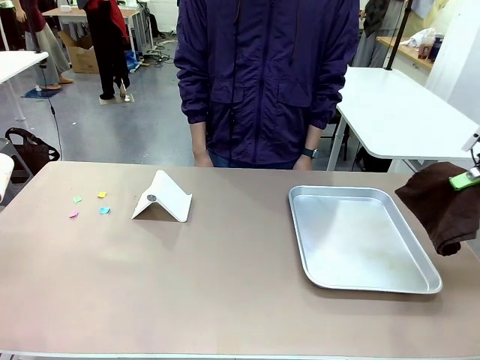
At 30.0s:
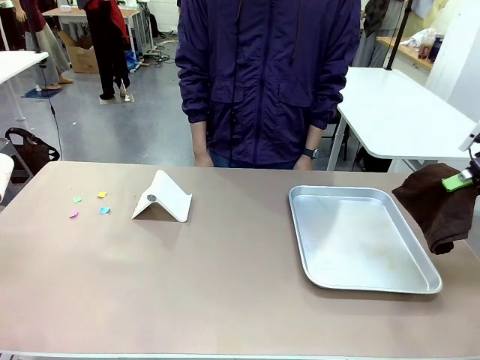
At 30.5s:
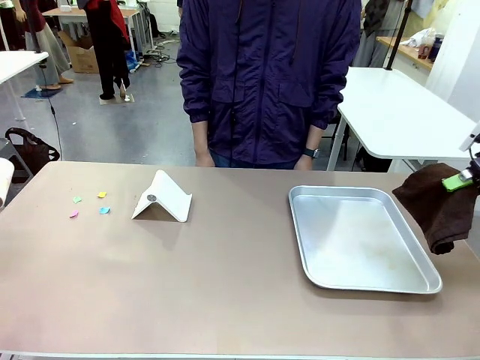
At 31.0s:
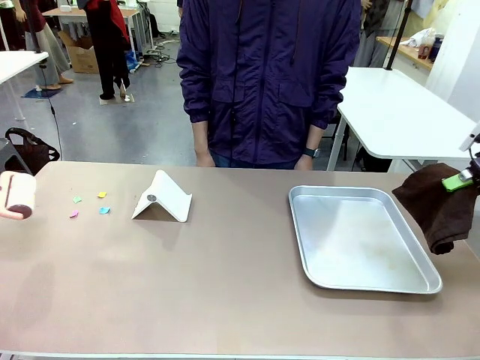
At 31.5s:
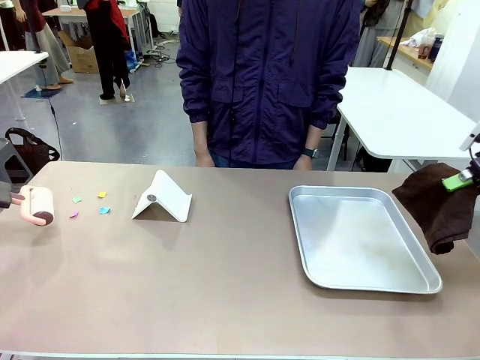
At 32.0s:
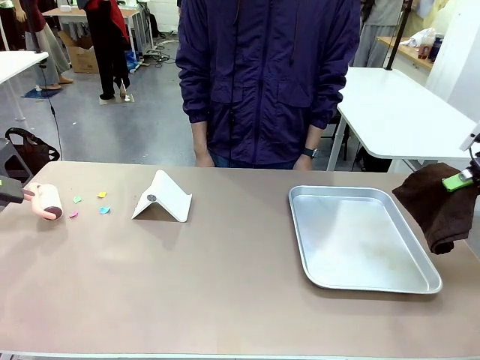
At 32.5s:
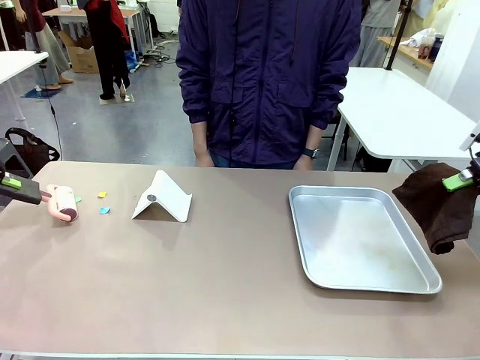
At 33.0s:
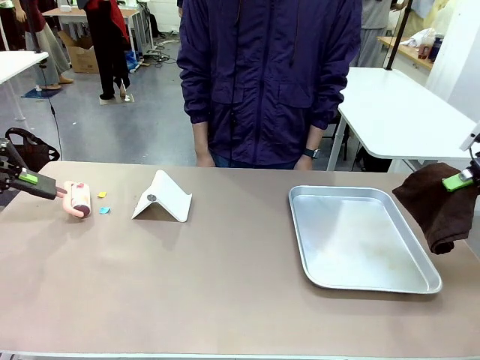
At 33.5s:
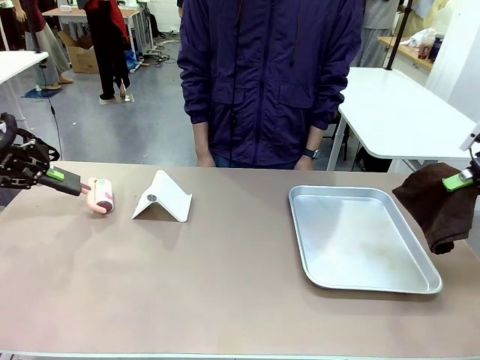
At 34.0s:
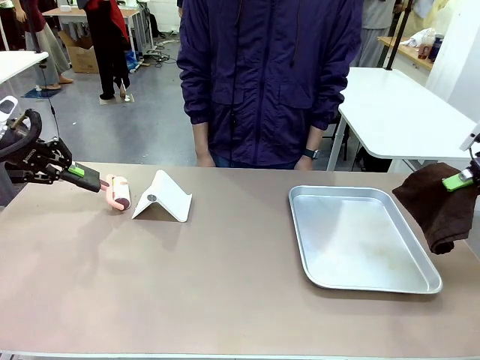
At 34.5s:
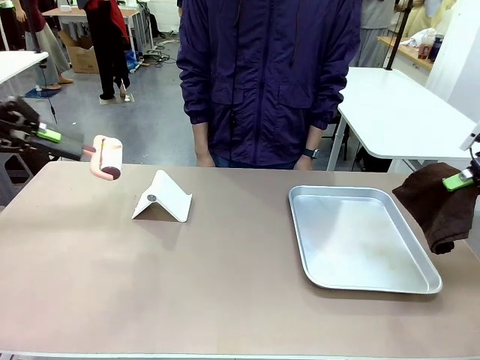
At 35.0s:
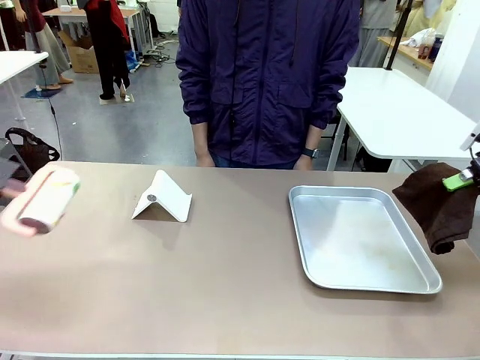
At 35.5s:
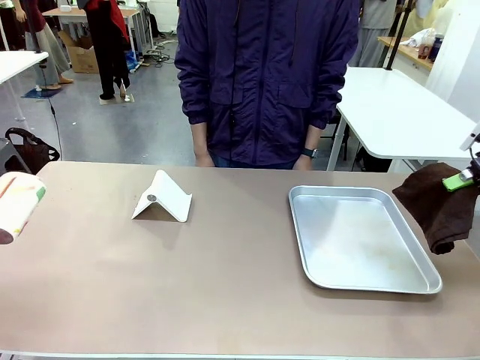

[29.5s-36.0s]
Task: Clean the surface of the table.
Robot: Clean the area not pointed to by the person.

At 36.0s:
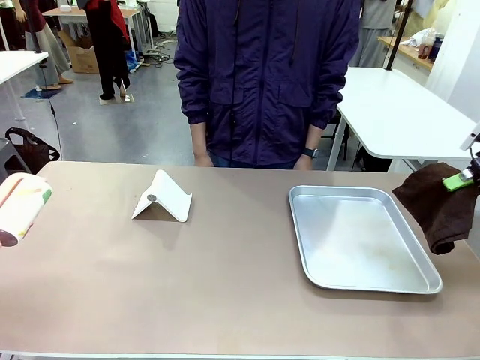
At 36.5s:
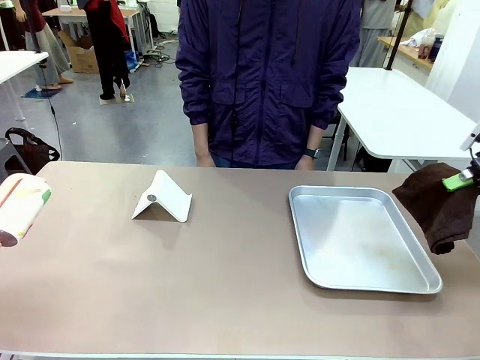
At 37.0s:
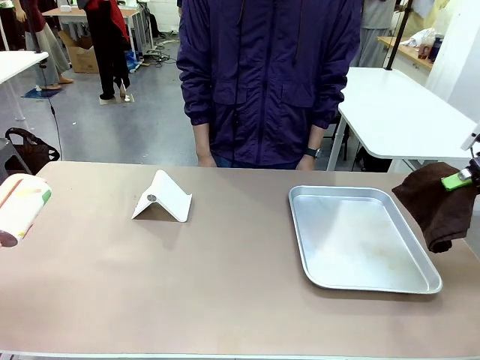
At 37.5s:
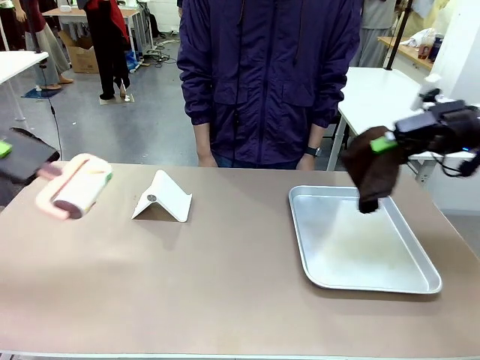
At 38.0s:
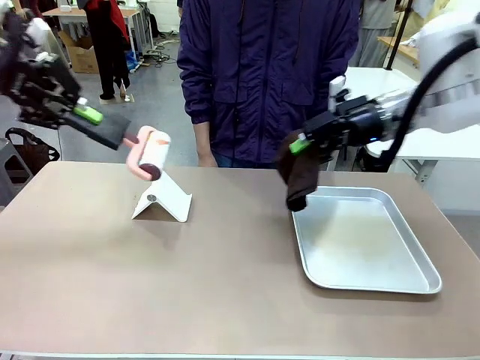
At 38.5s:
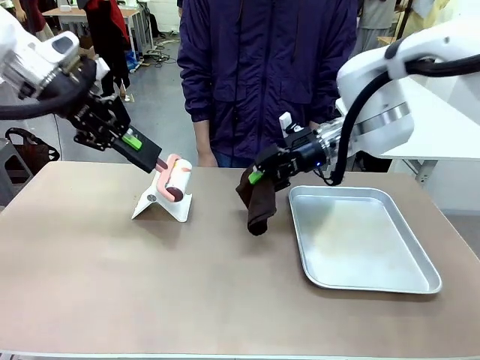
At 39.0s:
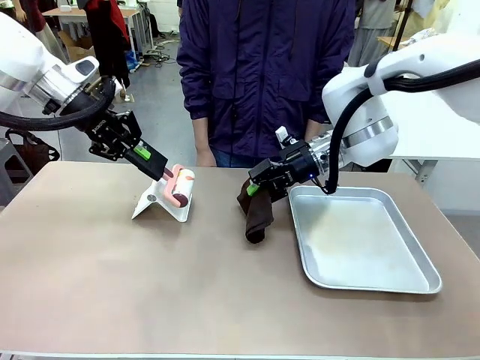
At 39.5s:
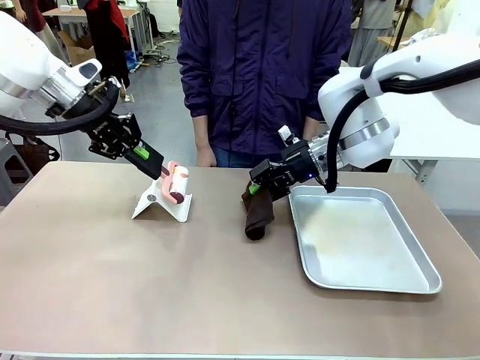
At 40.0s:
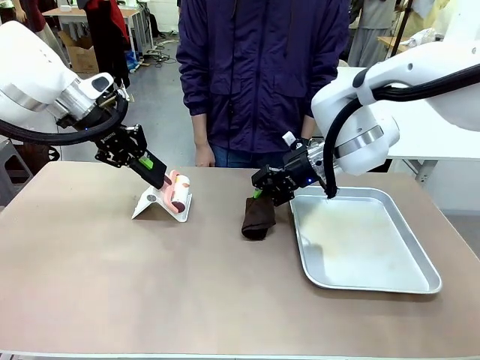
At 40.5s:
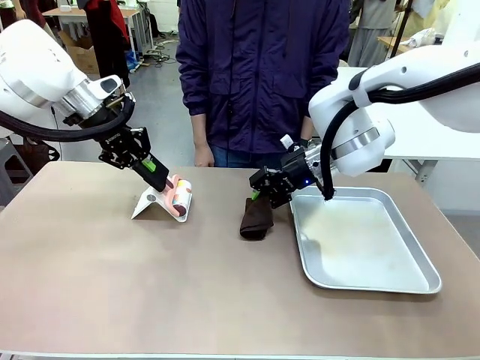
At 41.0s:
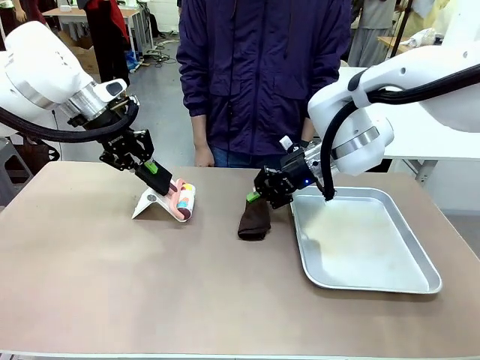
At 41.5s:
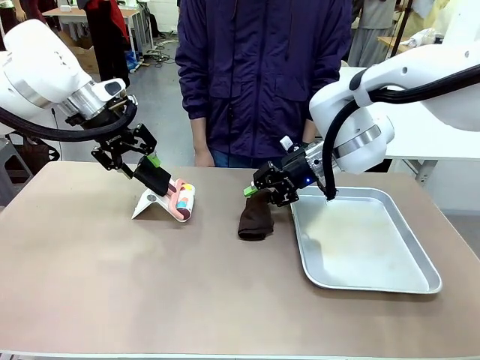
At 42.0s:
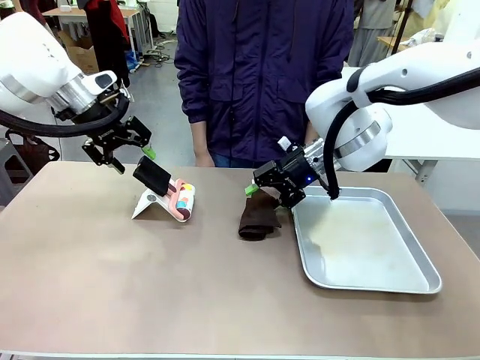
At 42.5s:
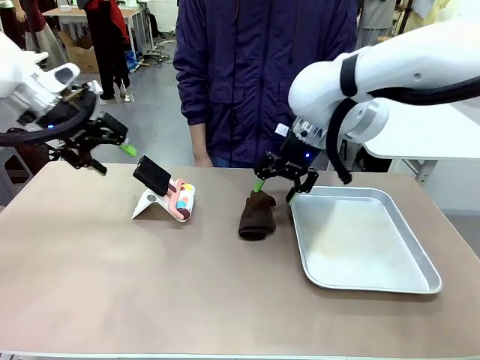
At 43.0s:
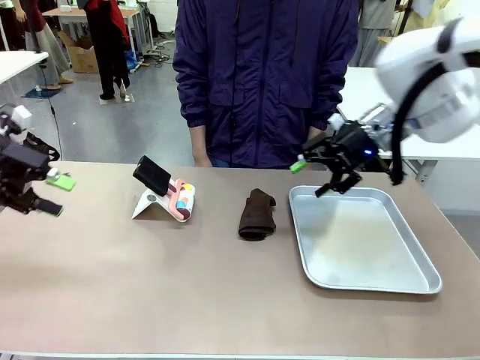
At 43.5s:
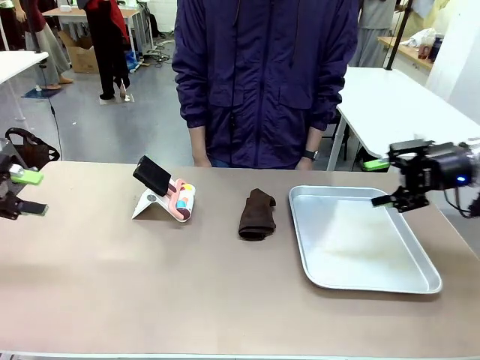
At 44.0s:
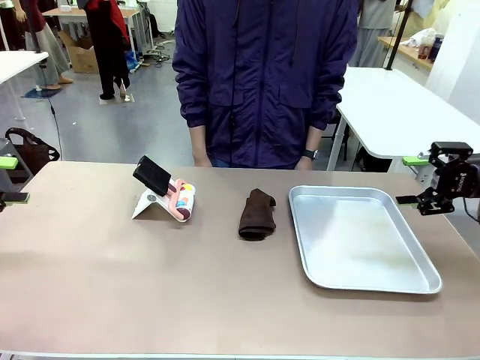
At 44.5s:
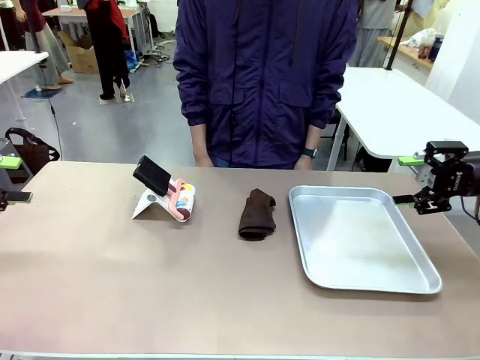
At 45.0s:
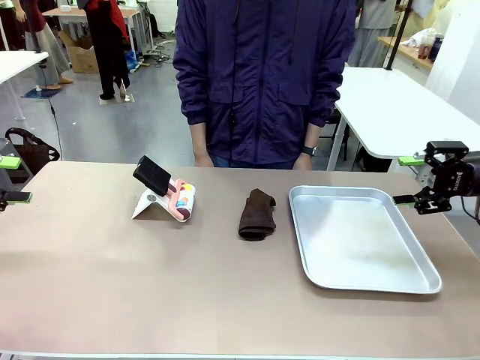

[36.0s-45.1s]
Robot: Return the Lint Roller and towel to their original positions.

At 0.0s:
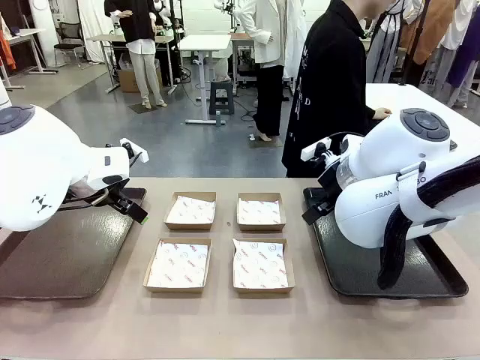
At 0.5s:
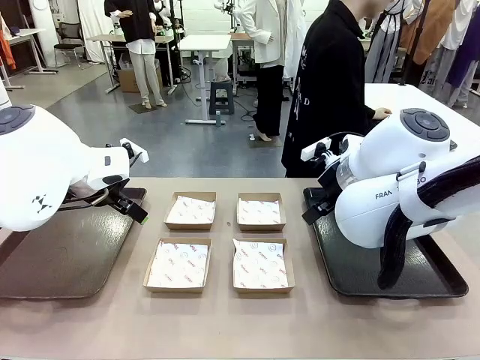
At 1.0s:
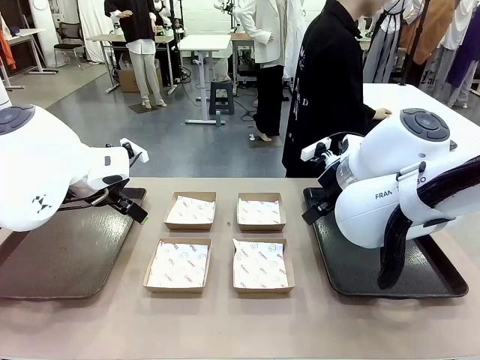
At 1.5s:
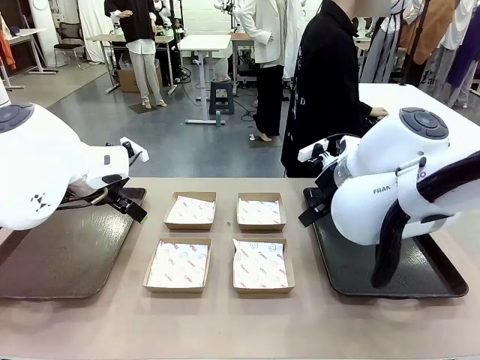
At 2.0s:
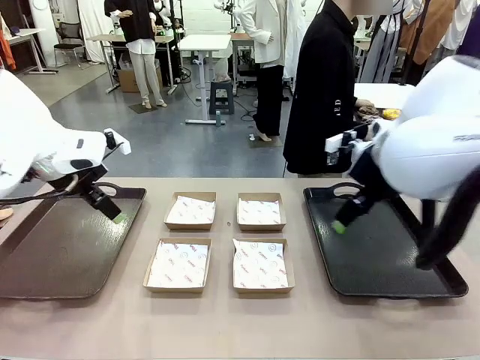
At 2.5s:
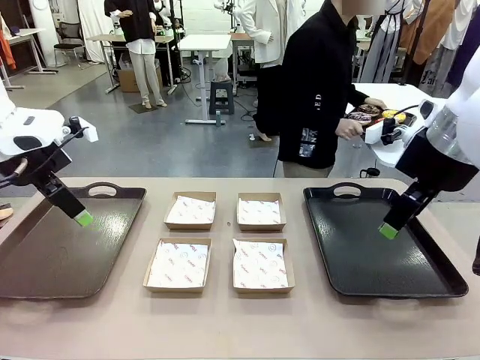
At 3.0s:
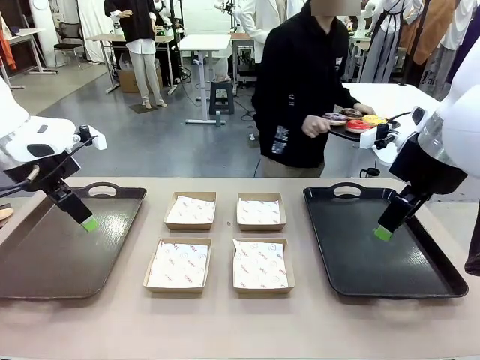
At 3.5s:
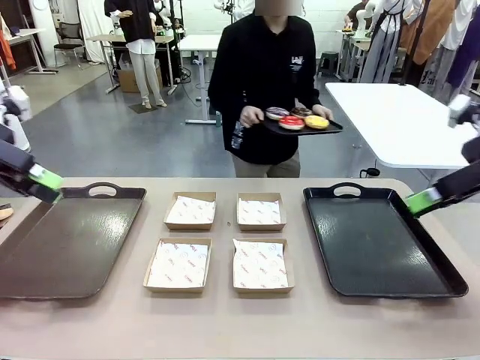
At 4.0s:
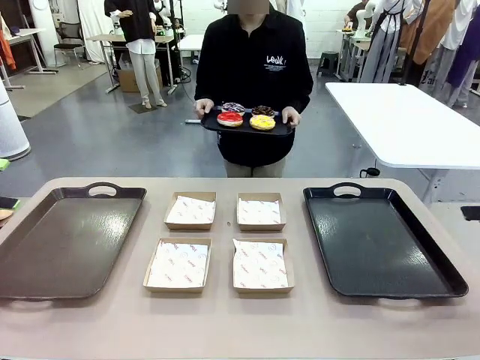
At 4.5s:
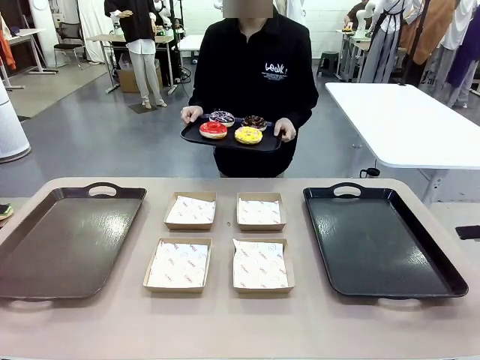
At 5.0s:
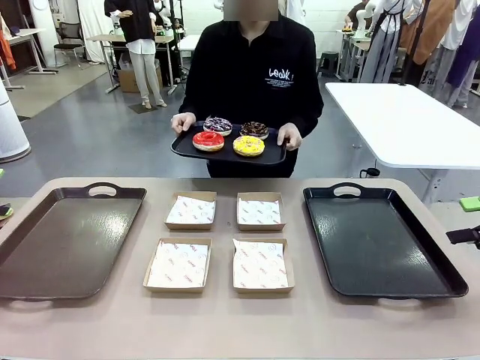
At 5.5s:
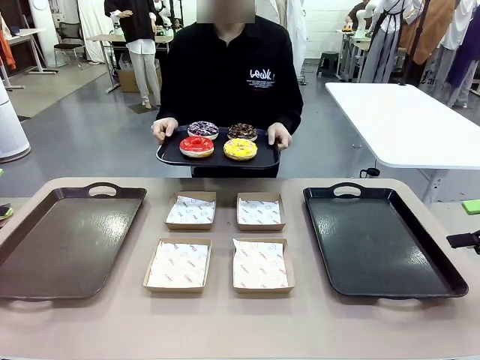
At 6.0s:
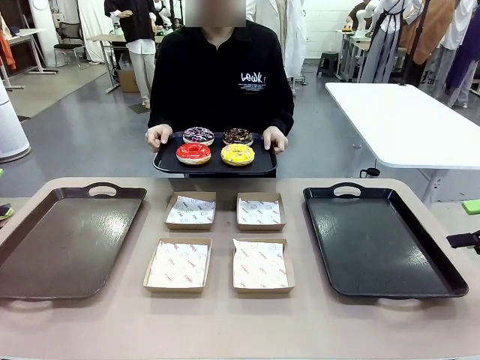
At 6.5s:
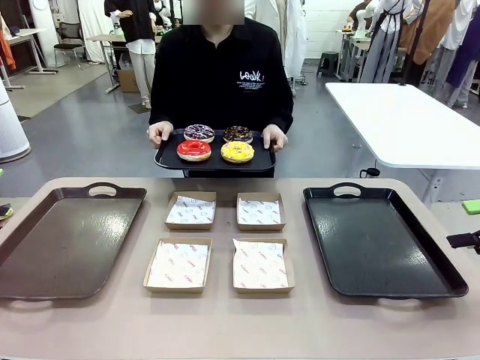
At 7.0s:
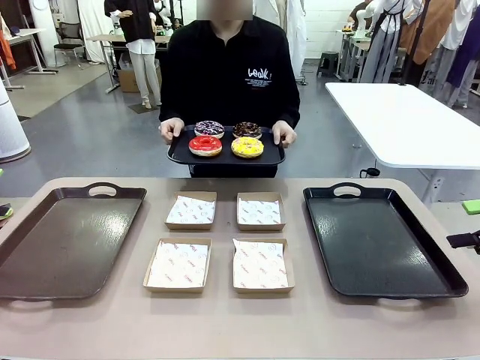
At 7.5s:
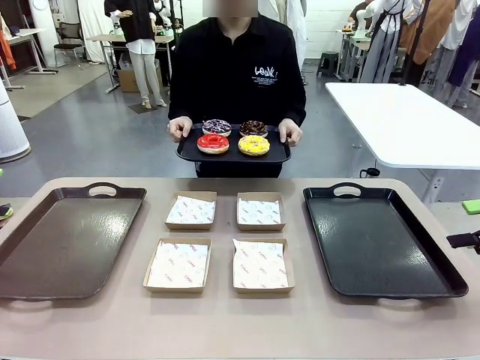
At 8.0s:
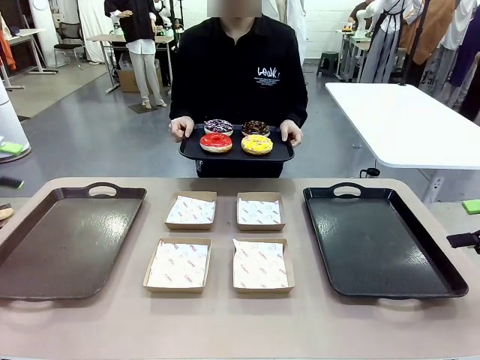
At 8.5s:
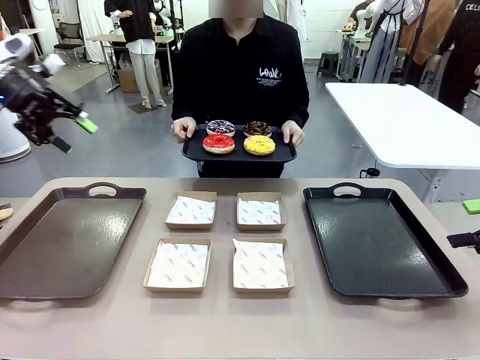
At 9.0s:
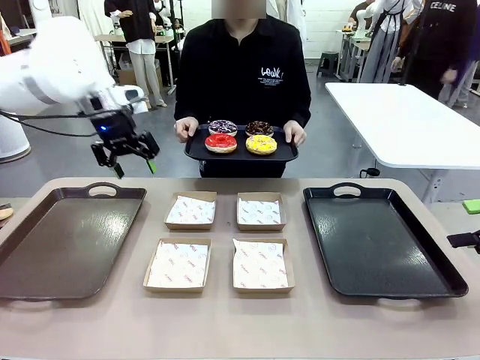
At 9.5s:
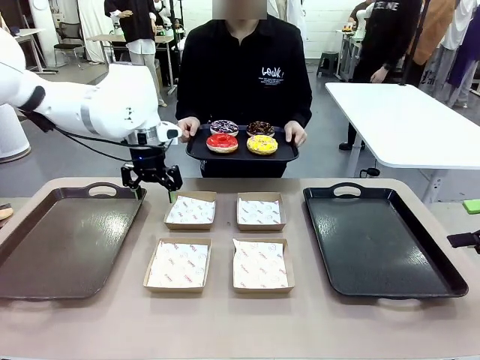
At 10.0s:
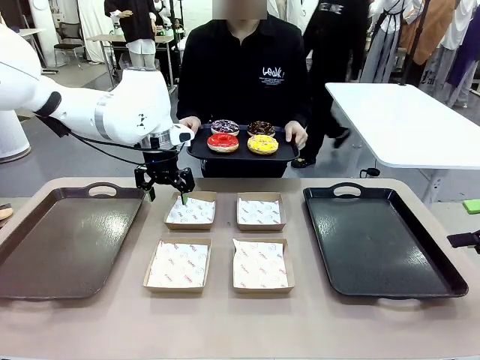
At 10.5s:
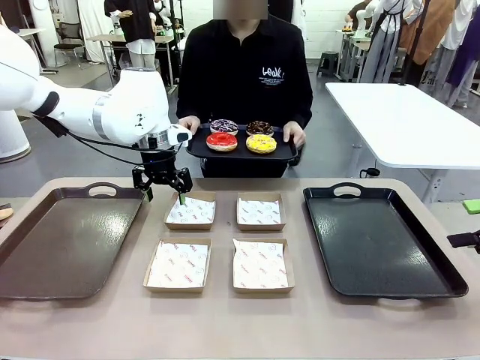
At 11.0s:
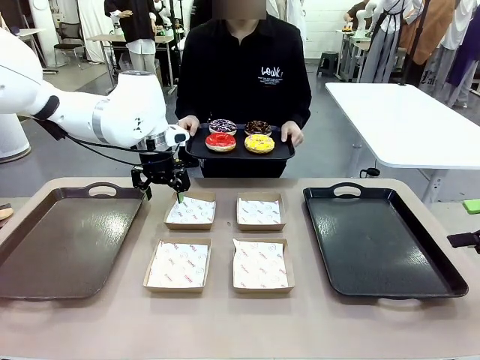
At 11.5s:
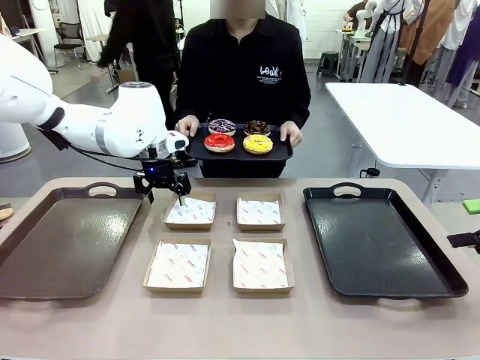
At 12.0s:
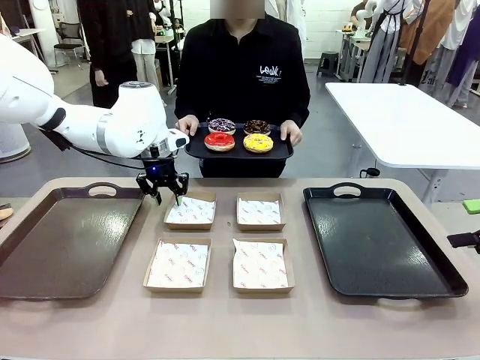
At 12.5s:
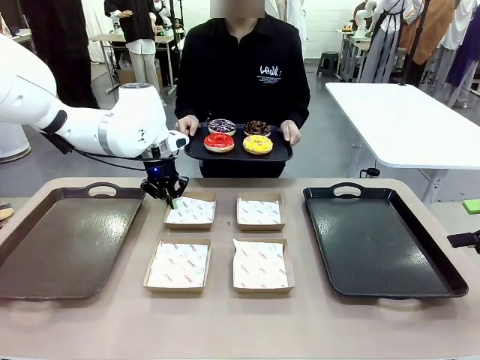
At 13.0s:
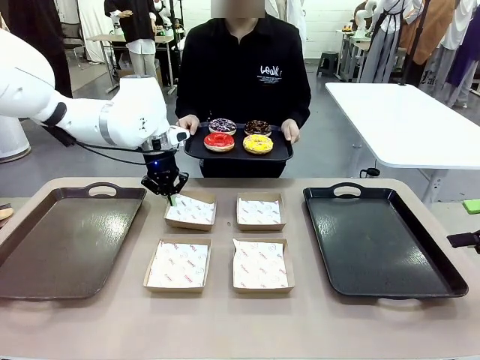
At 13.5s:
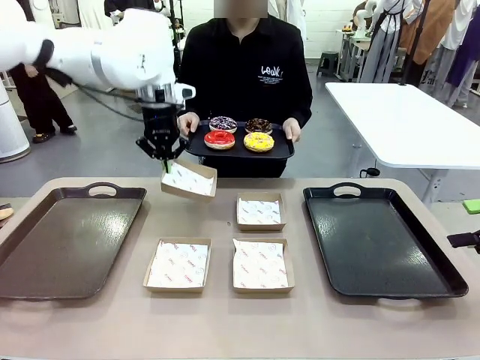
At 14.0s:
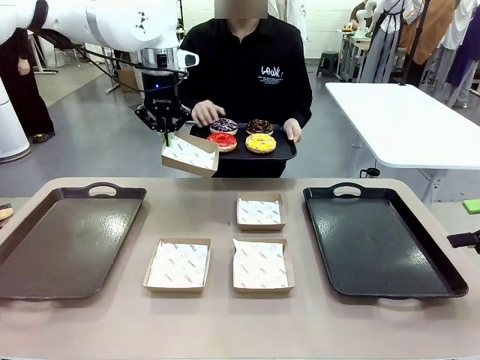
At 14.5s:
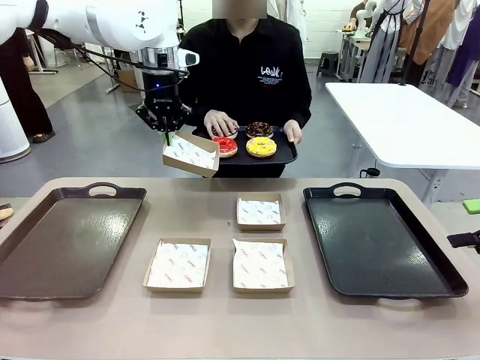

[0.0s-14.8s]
Task: Individually package the donuts and arrange them on the tray.
Robot: Pick up one Paper togo box.
Person: Stand in front of the robot table holding the tray containing the donuts.
